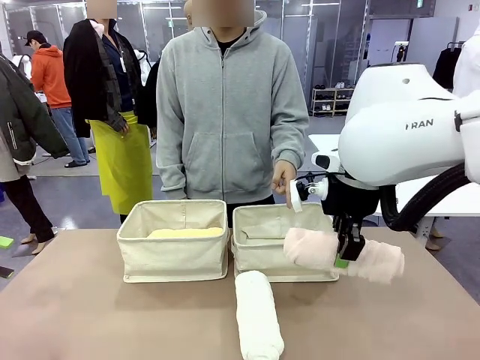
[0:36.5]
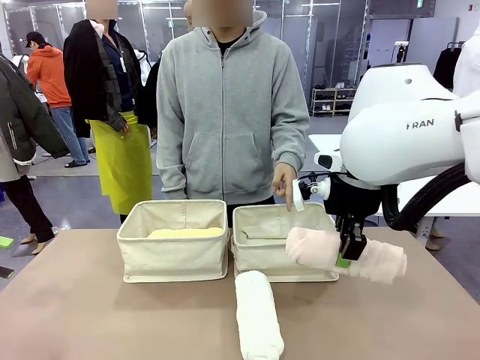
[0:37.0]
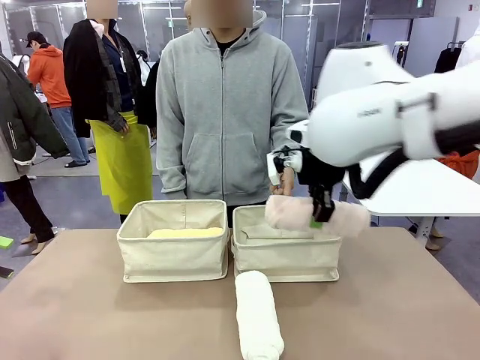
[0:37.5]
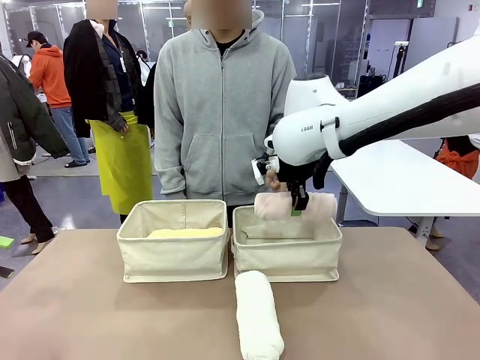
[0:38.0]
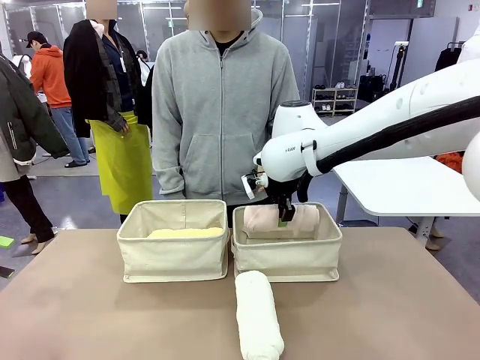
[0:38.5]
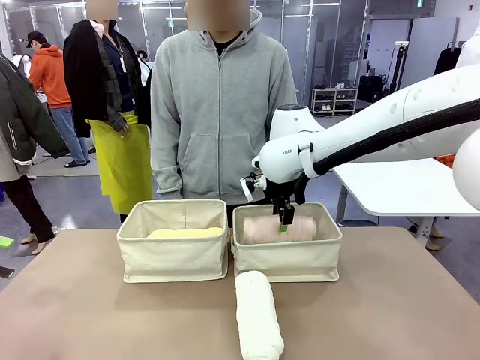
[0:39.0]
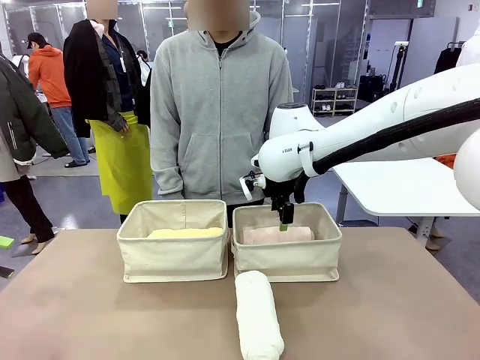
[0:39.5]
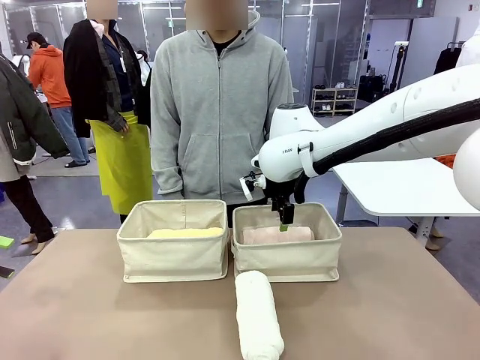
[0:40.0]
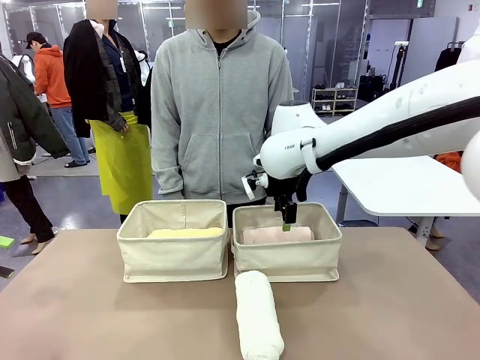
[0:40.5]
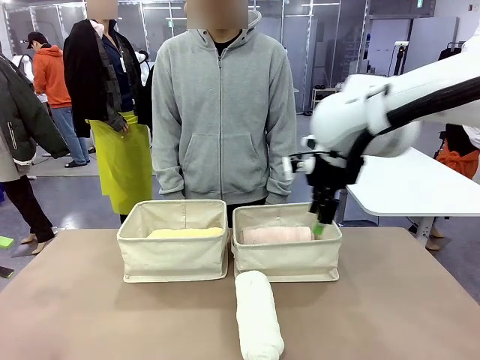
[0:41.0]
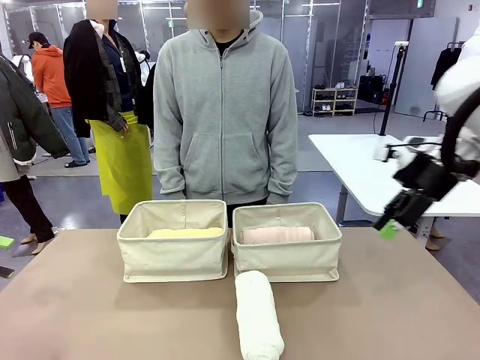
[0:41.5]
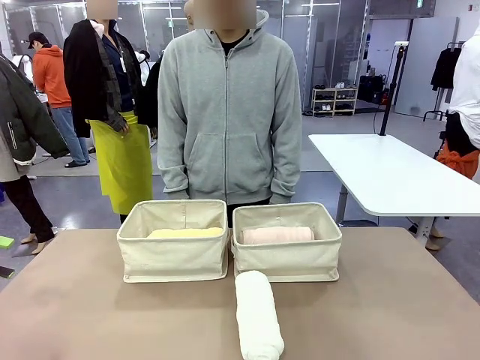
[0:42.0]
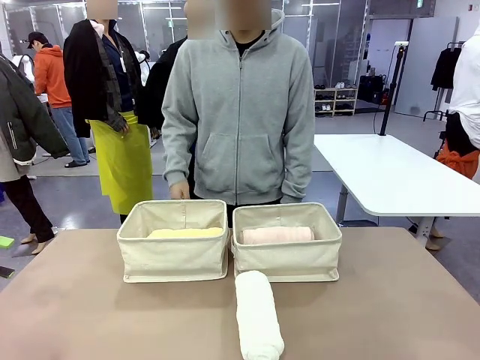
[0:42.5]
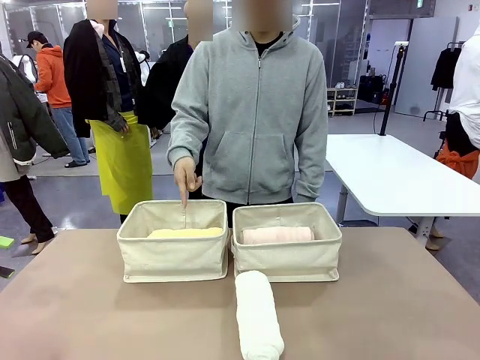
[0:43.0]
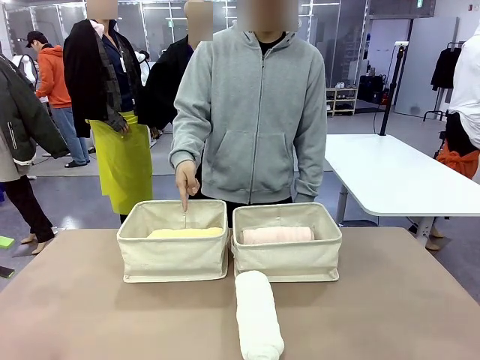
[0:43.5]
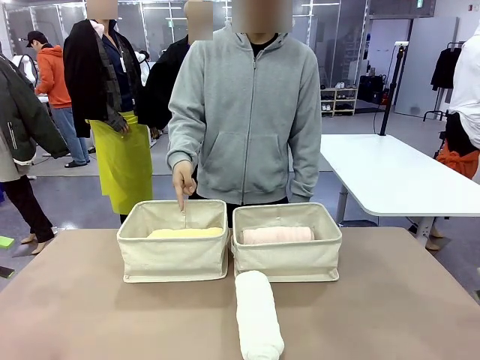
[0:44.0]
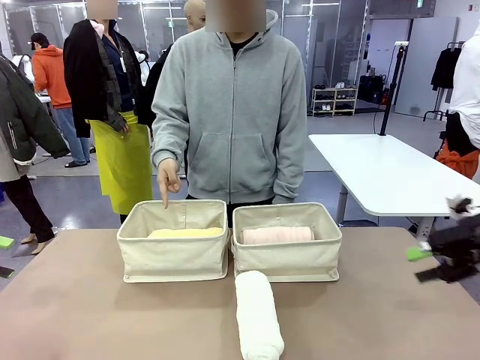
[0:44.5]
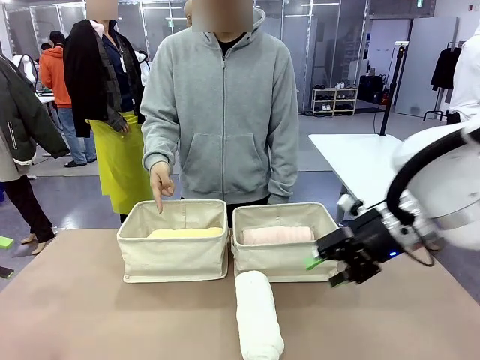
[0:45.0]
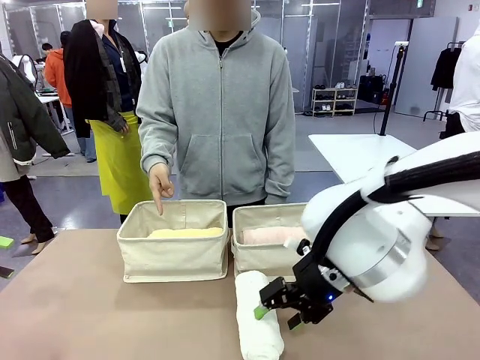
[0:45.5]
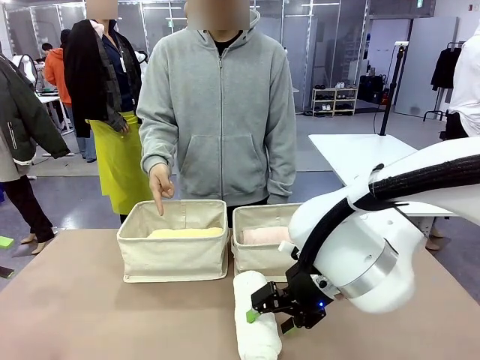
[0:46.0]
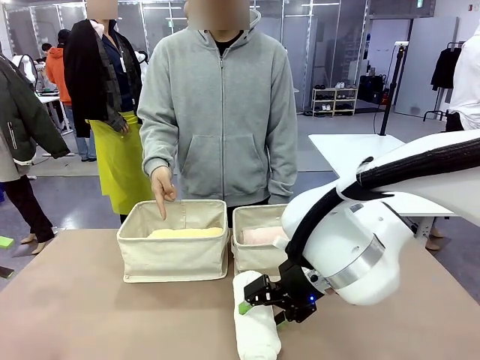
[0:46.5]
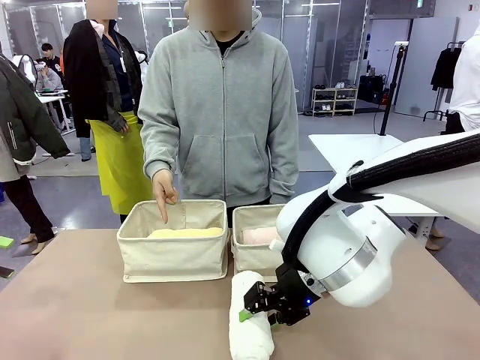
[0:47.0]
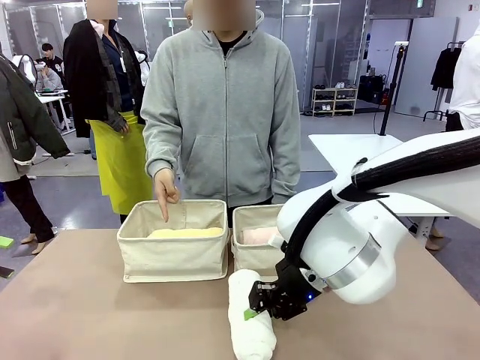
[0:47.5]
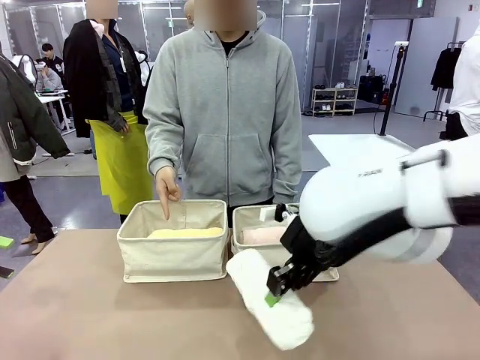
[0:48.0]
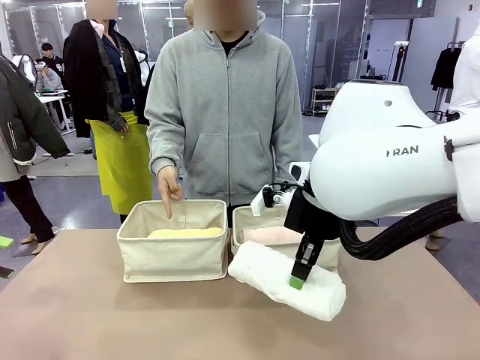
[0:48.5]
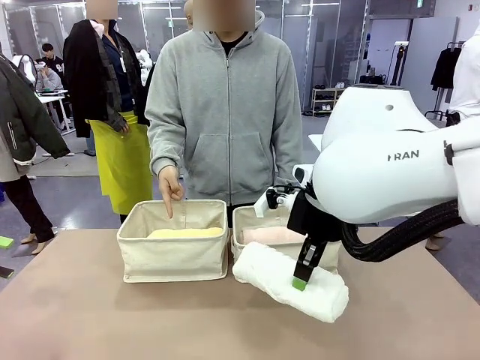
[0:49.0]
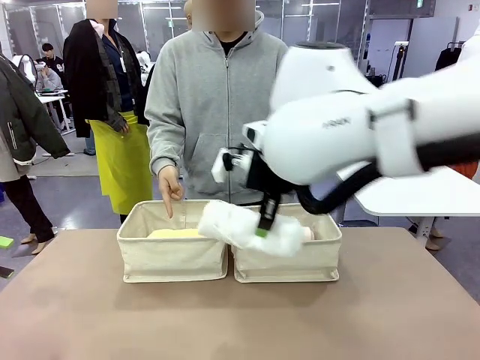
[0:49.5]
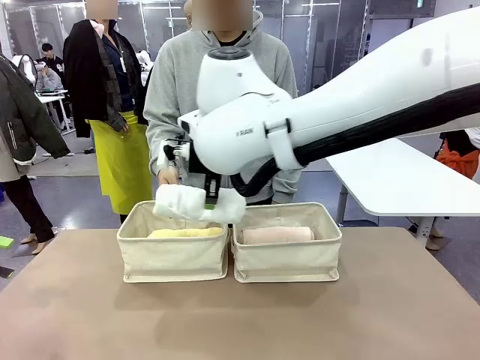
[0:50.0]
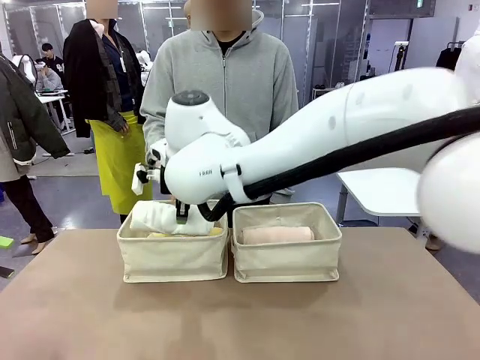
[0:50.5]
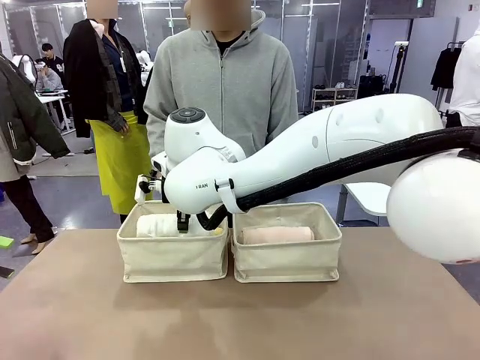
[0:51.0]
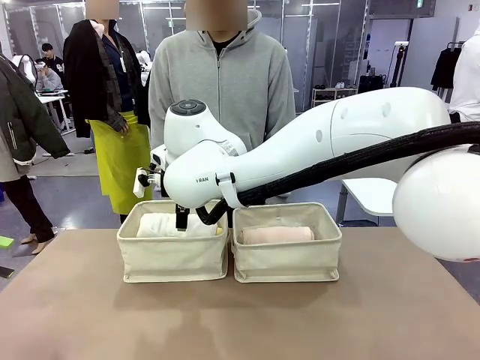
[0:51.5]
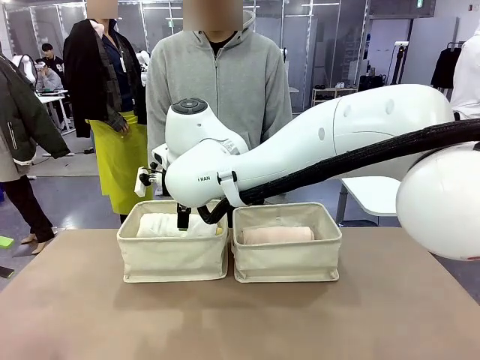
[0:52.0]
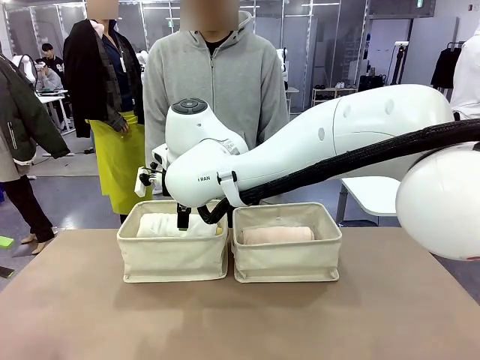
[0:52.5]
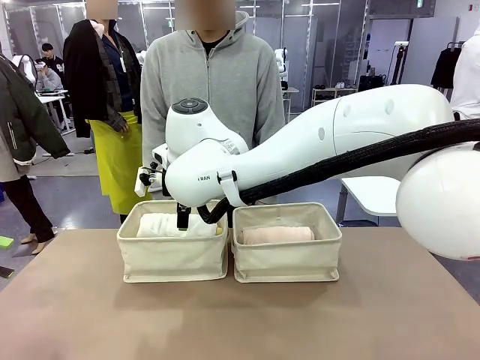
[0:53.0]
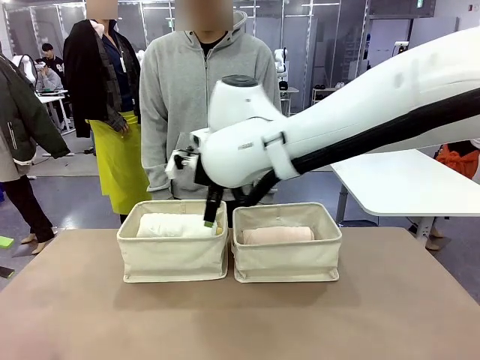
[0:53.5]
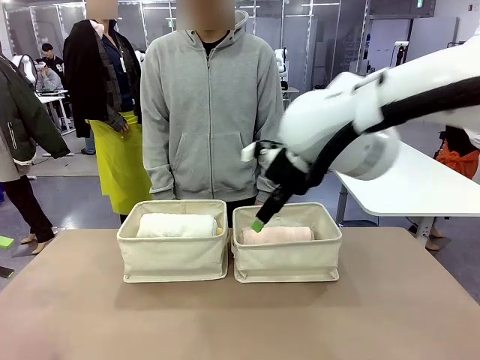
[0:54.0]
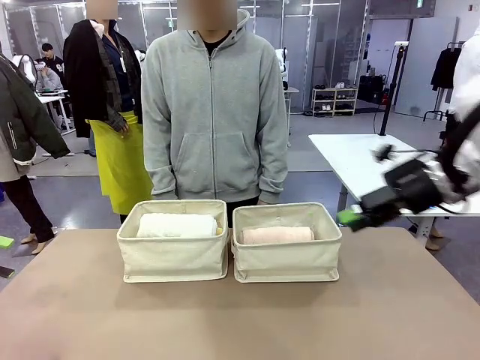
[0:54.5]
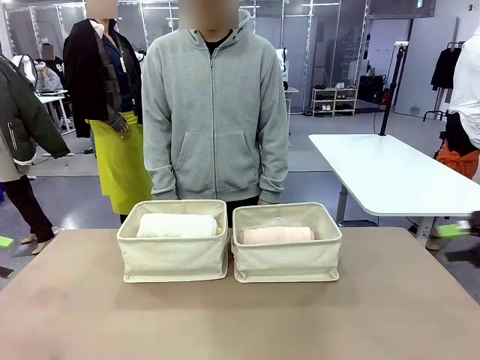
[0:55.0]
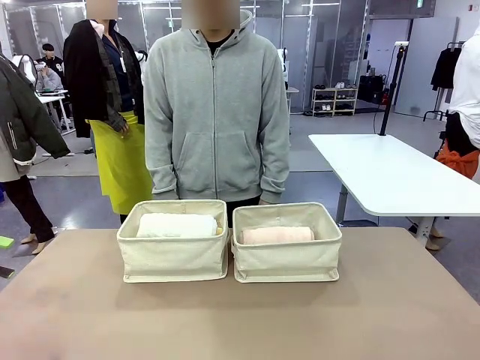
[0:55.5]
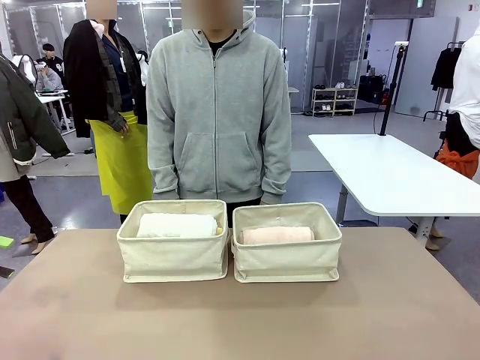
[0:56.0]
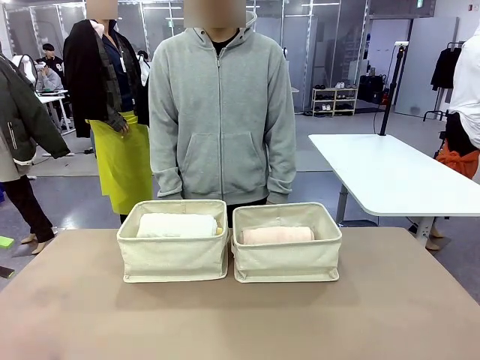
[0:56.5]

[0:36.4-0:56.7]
Task: Divide the towels into two baskets.
Robot: Pick up one hotel-folded towel from the bottom of the table and place it in the Fabric basket indicated by the person.
